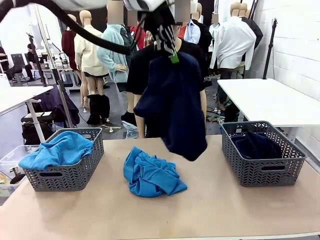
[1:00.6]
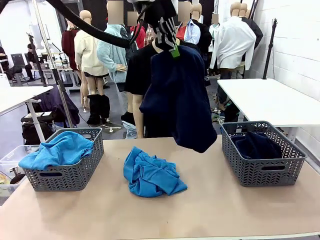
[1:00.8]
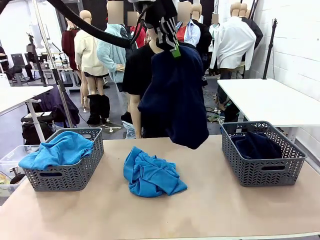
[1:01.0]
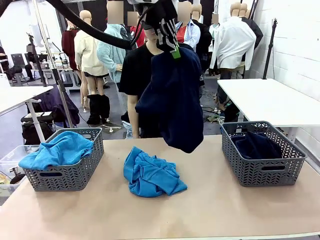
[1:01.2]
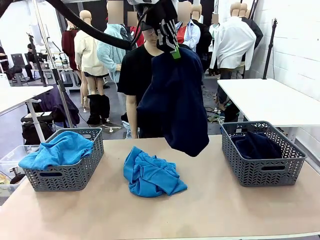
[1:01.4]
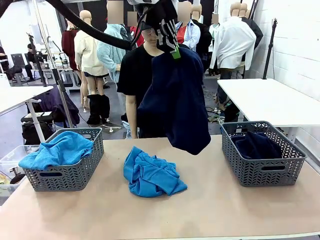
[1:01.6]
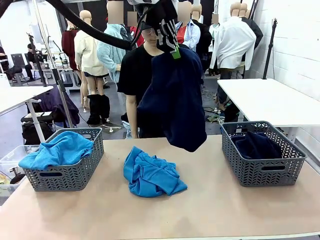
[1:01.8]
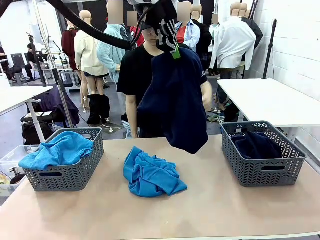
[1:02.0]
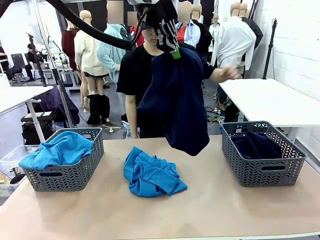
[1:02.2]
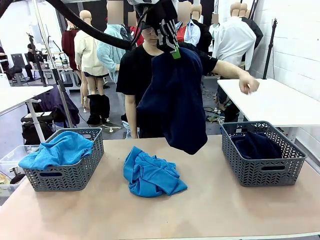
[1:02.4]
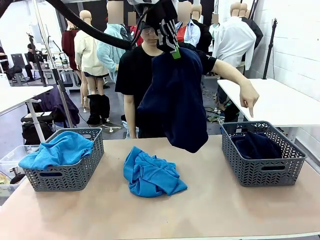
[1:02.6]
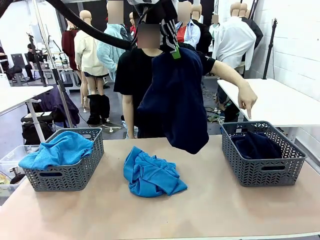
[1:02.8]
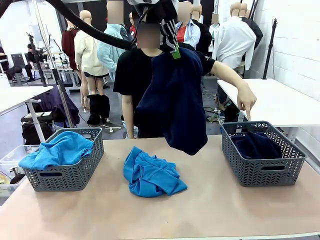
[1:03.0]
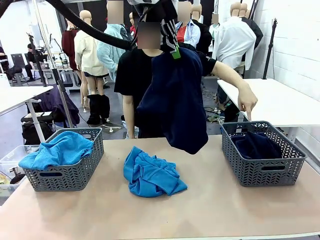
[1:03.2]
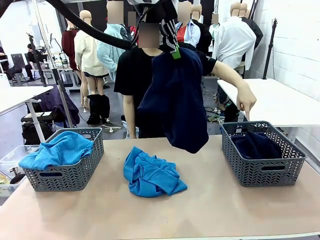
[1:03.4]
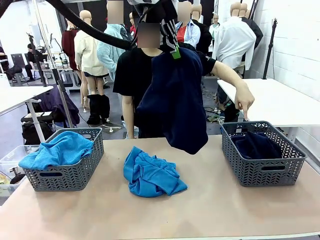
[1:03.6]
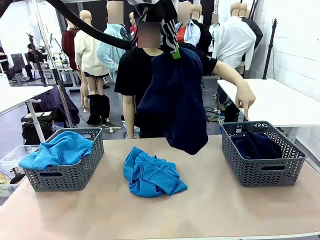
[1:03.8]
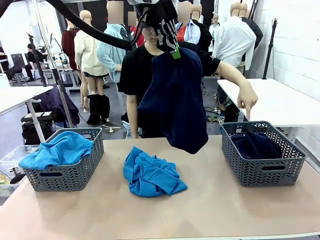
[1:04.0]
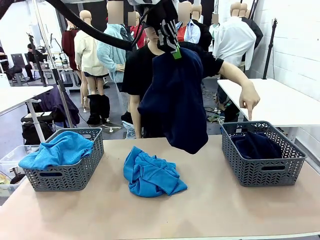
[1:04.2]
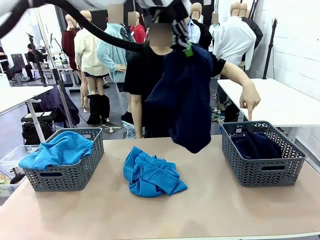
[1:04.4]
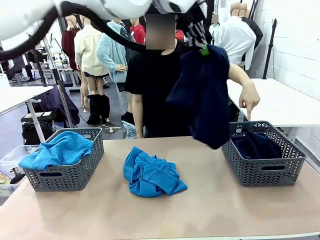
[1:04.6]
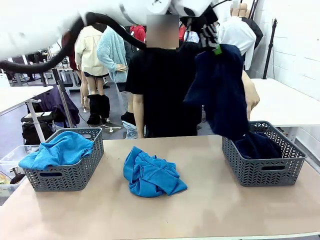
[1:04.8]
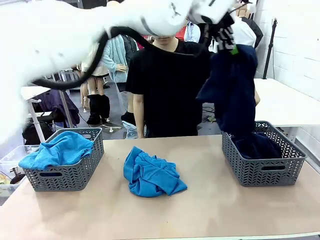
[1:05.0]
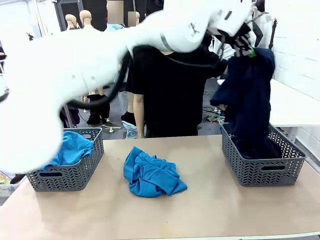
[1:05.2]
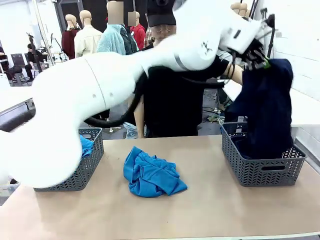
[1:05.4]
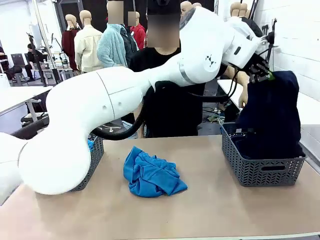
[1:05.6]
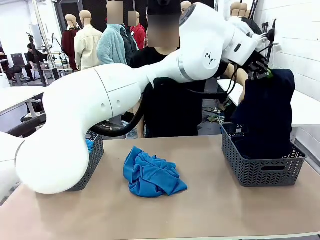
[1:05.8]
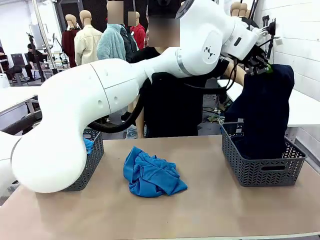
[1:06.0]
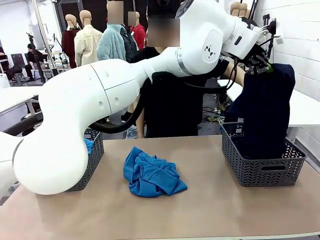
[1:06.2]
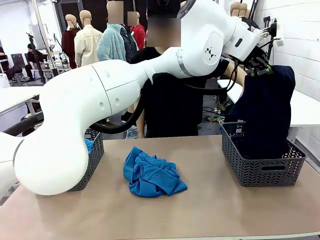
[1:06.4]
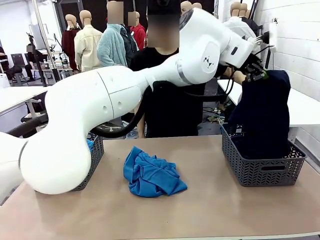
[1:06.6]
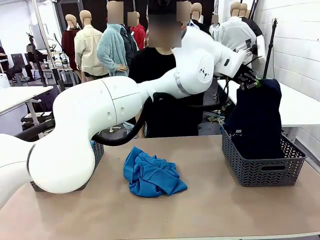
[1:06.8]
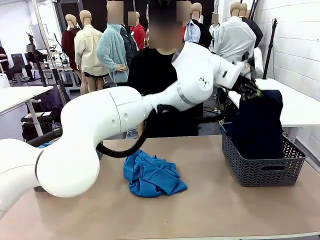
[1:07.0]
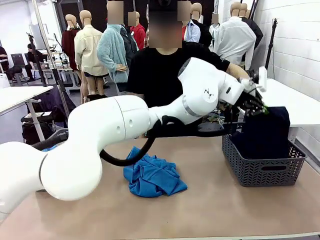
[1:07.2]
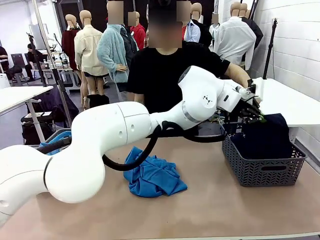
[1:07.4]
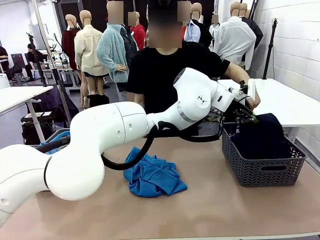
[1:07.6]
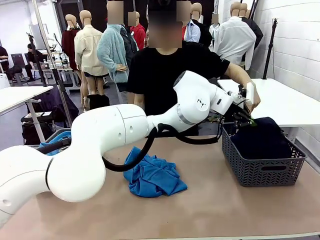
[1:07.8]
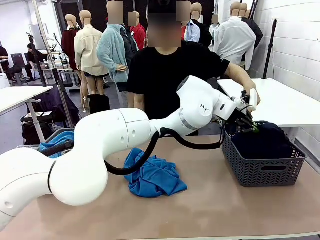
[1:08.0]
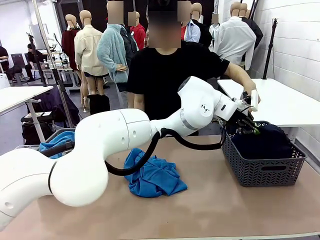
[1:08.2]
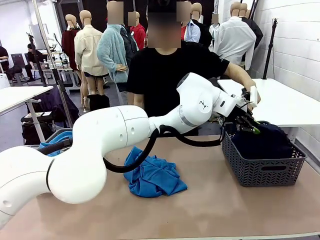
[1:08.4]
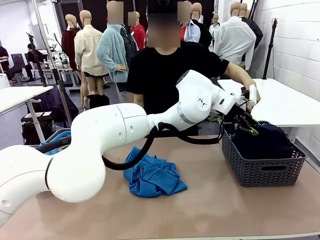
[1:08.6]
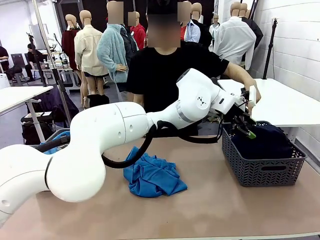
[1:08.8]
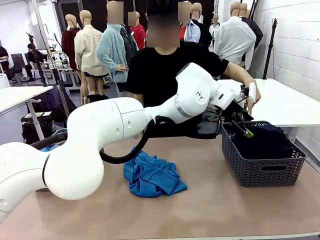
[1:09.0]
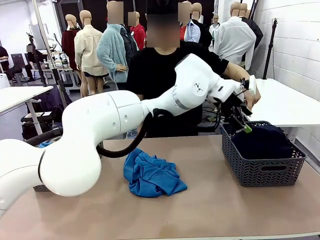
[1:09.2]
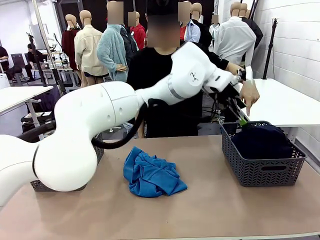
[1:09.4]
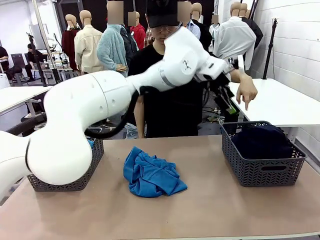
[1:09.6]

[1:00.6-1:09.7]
Task: Sort the tops and bottoms.
Robot: Sort the clothes according to human instructions.

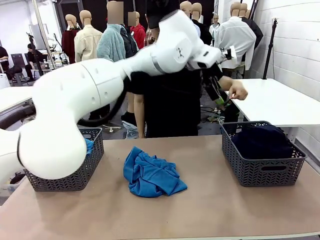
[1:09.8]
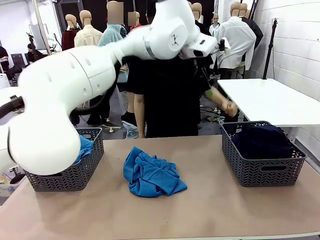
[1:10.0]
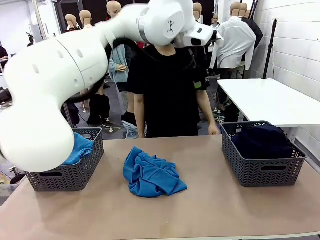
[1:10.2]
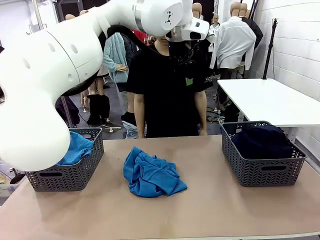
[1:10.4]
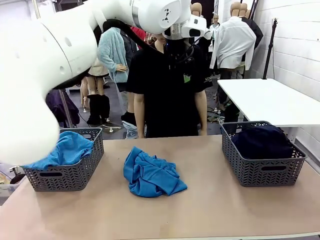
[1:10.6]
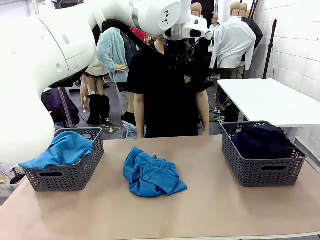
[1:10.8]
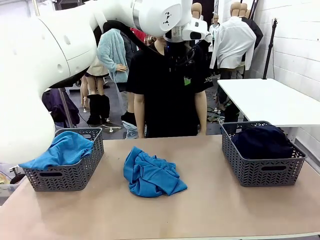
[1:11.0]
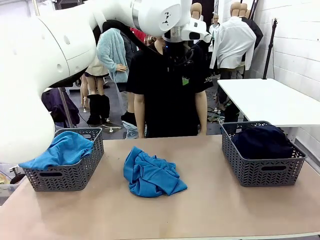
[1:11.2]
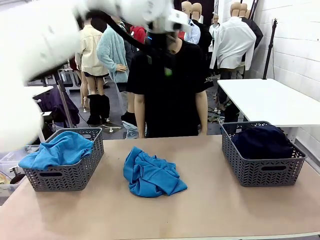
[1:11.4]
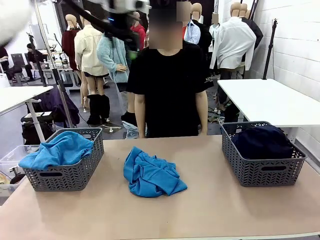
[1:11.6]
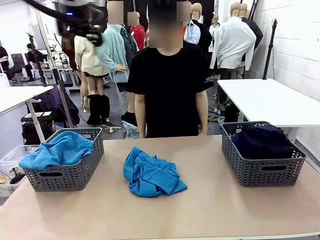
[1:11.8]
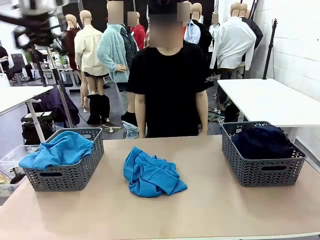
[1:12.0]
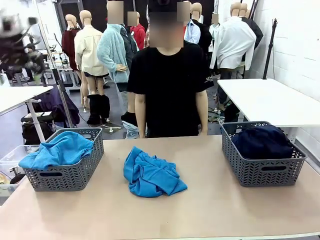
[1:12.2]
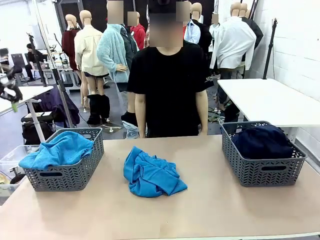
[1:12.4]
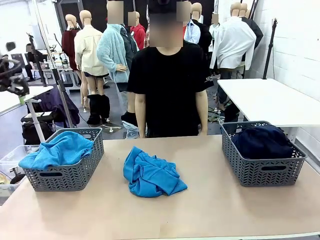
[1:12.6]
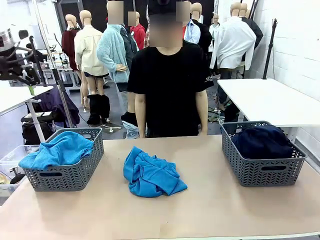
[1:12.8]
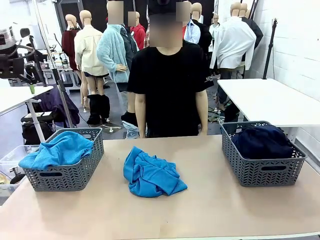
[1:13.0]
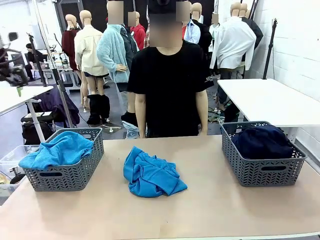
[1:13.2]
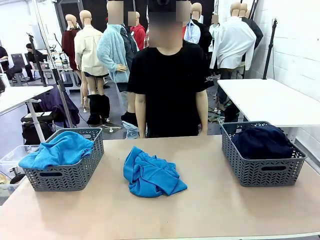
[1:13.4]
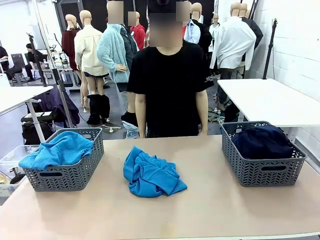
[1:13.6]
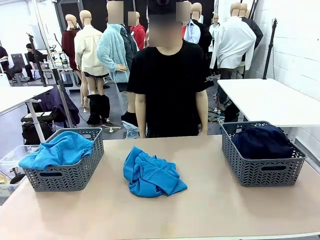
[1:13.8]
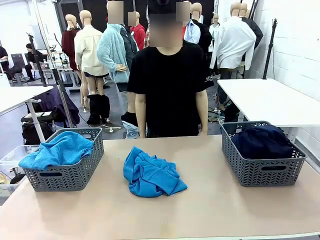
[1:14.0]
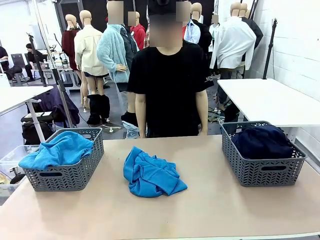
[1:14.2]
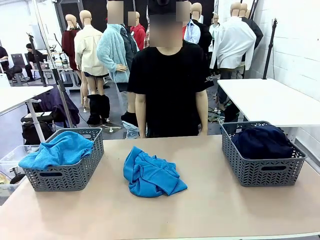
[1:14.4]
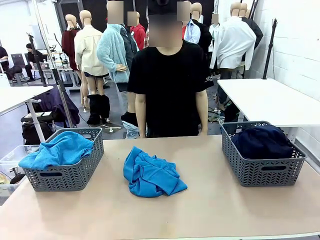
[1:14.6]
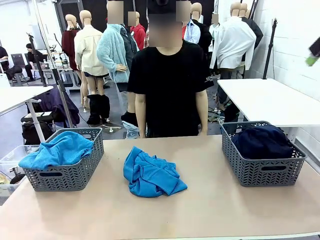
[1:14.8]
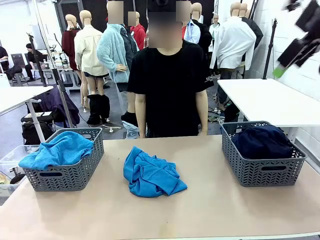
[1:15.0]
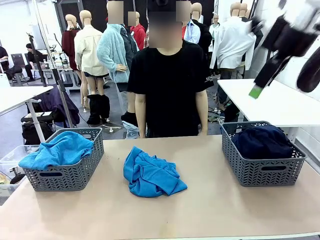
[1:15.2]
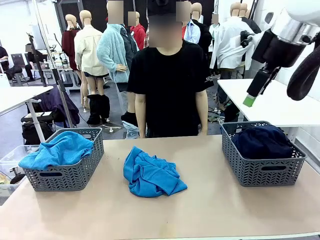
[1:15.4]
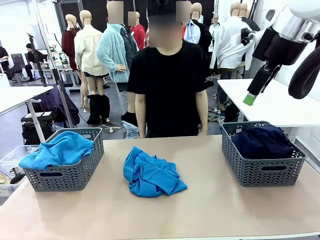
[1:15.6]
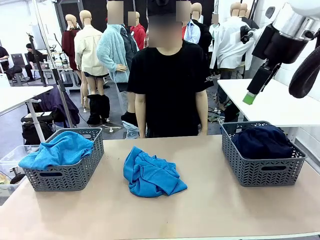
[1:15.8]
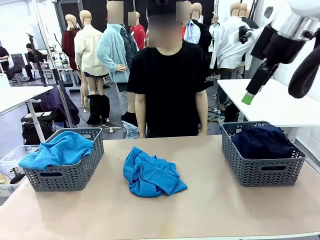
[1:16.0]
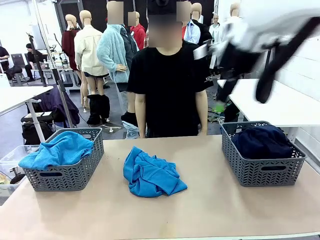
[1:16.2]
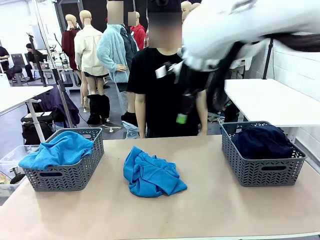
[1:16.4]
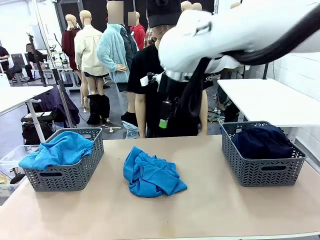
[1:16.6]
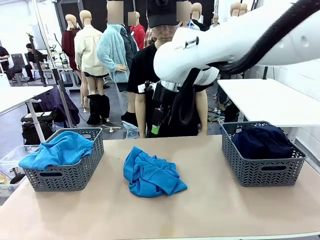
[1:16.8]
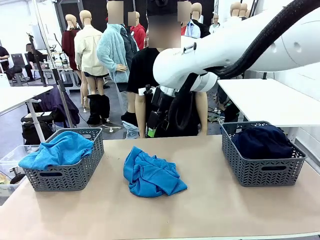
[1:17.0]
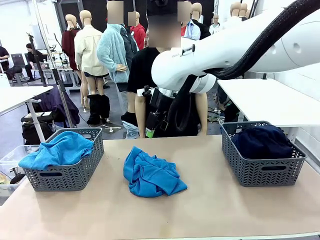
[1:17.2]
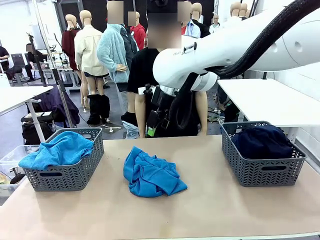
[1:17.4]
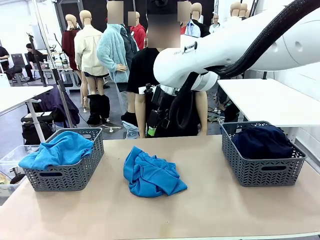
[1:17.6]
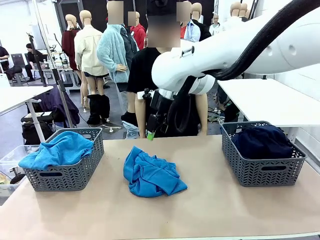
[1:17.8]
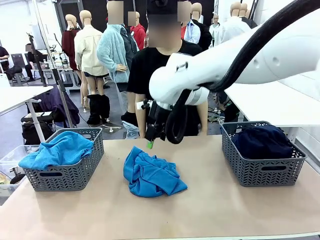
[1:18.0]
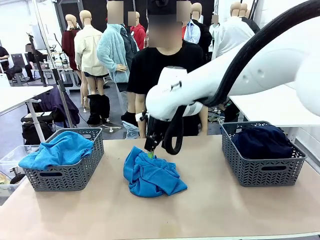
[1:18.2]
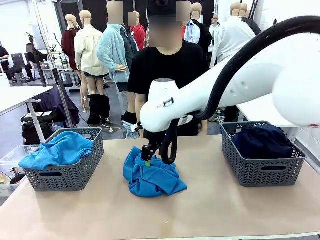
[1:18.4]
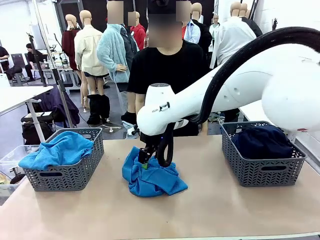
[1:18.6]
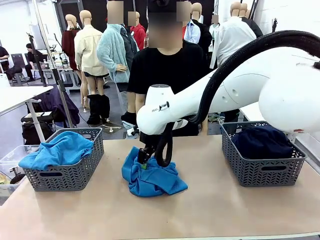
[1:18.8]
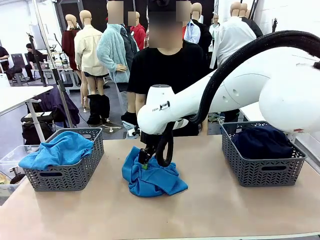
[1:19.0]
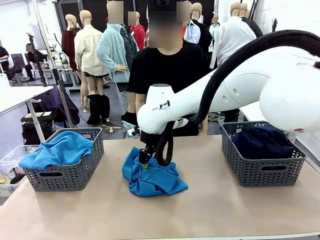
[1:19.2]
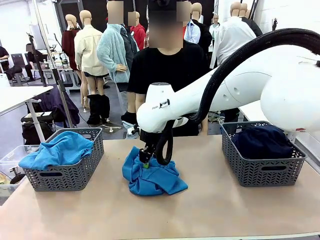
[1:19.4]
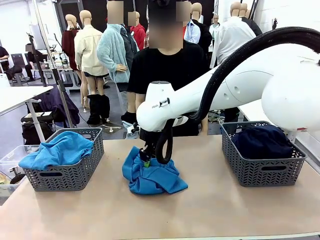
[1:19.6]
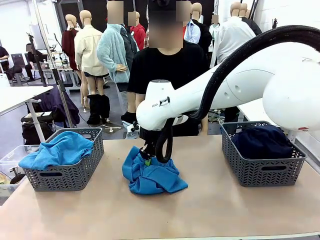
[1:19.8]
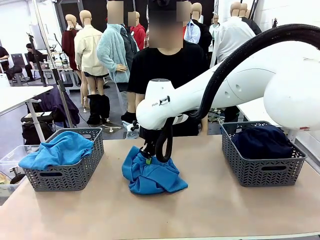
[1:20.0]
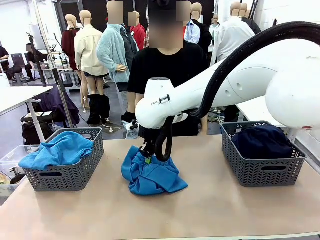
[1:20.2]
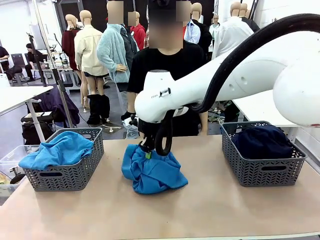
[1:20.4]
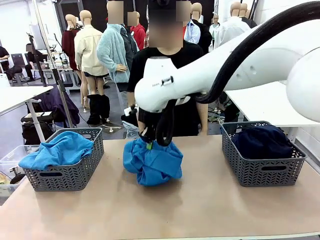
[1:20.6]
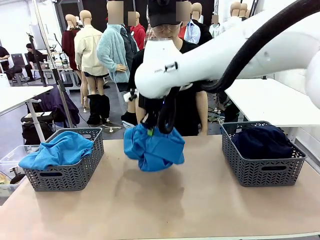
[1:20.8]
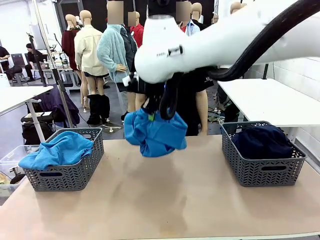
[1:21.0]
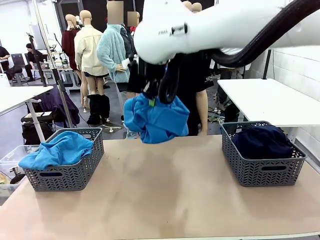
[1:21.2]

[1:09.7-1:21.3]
Robot: Lift clothes from the center of the table with your right hand.
